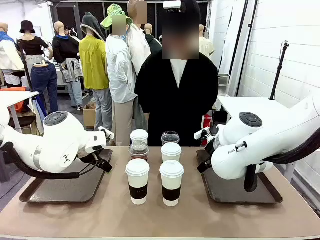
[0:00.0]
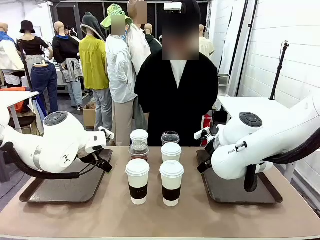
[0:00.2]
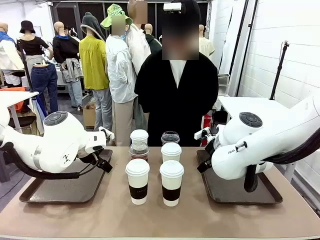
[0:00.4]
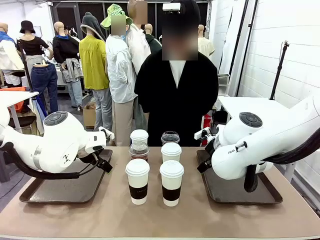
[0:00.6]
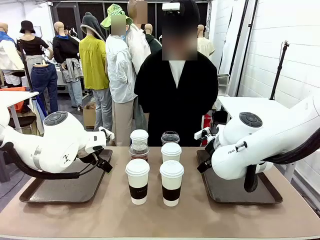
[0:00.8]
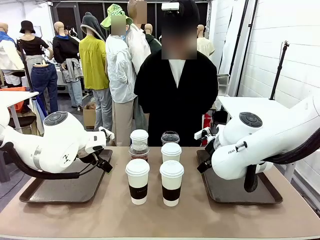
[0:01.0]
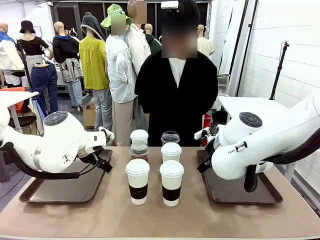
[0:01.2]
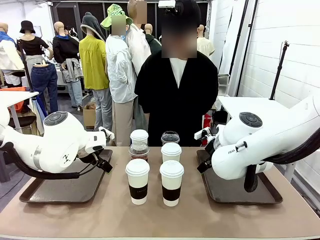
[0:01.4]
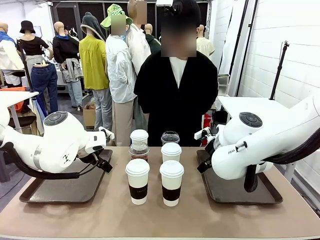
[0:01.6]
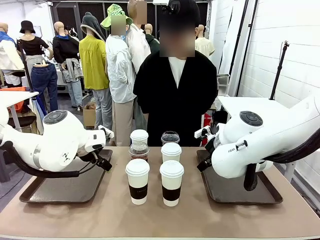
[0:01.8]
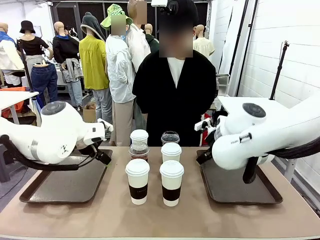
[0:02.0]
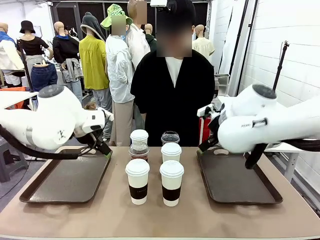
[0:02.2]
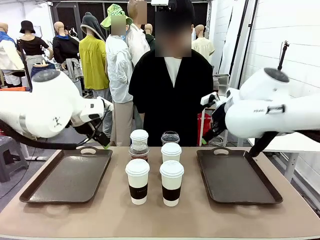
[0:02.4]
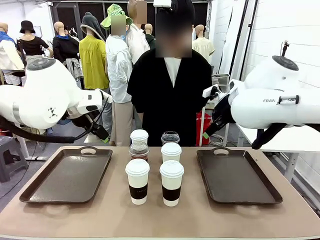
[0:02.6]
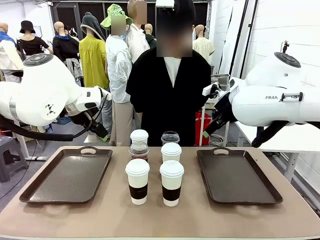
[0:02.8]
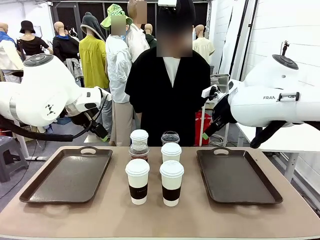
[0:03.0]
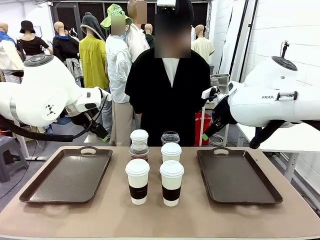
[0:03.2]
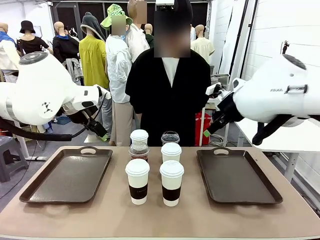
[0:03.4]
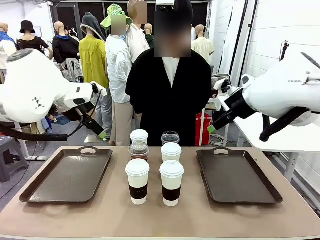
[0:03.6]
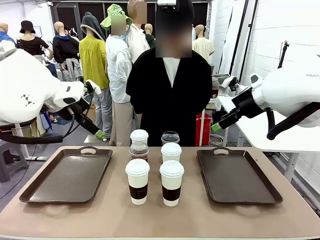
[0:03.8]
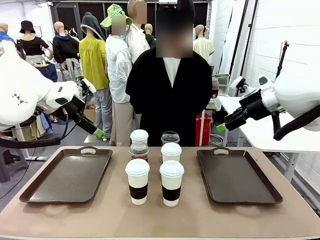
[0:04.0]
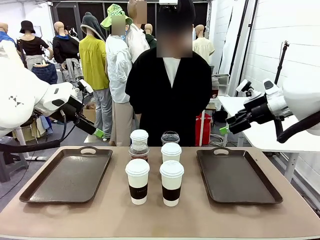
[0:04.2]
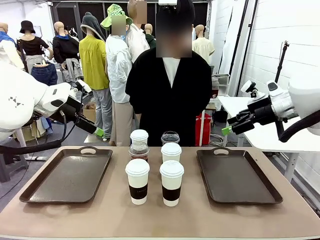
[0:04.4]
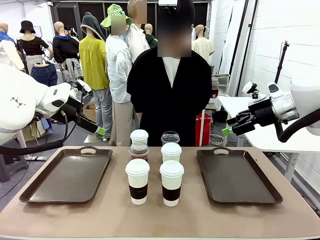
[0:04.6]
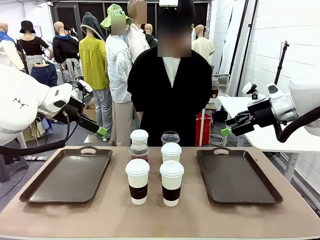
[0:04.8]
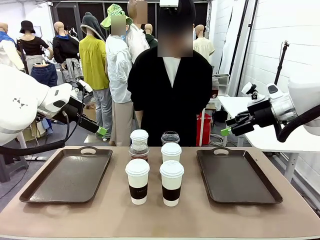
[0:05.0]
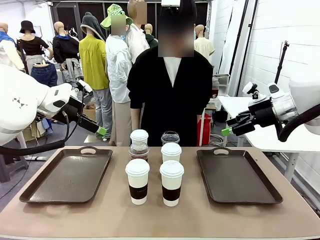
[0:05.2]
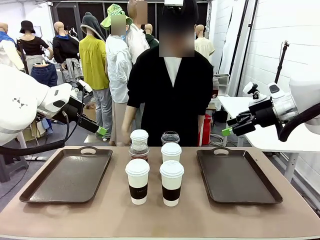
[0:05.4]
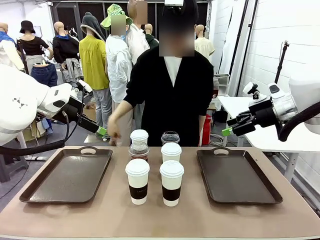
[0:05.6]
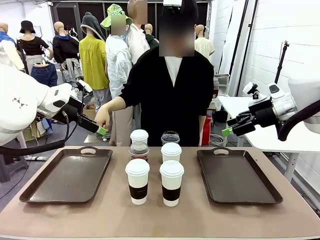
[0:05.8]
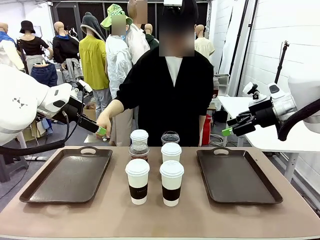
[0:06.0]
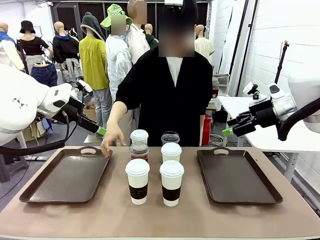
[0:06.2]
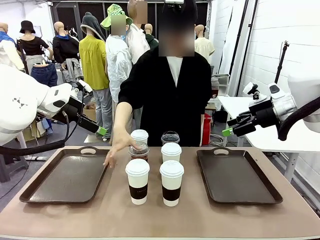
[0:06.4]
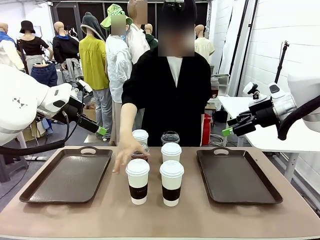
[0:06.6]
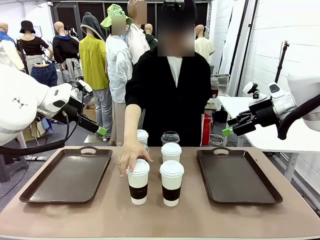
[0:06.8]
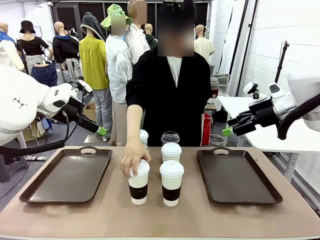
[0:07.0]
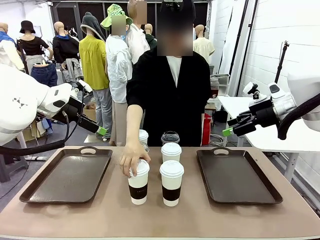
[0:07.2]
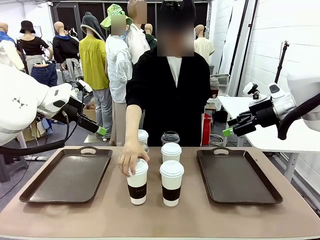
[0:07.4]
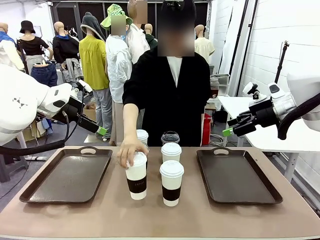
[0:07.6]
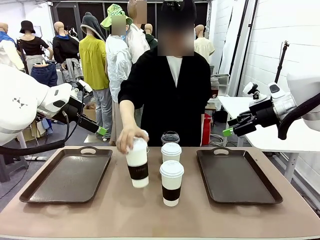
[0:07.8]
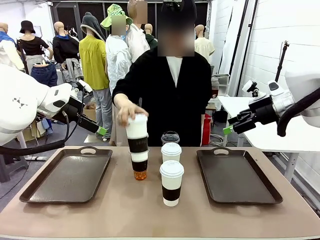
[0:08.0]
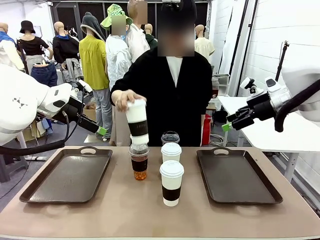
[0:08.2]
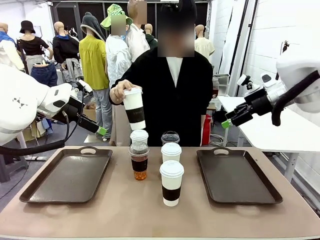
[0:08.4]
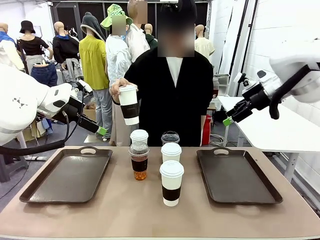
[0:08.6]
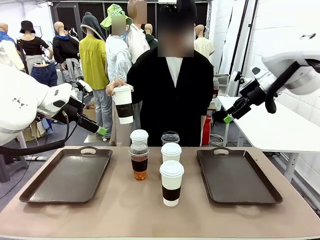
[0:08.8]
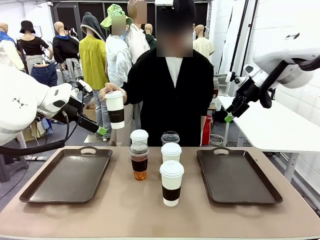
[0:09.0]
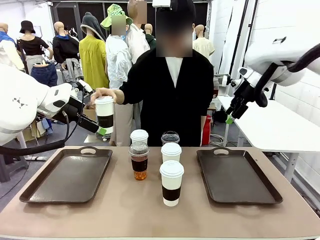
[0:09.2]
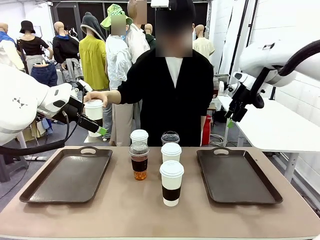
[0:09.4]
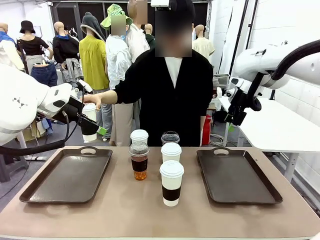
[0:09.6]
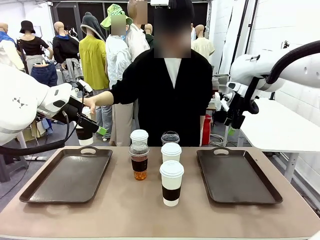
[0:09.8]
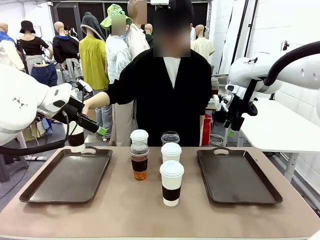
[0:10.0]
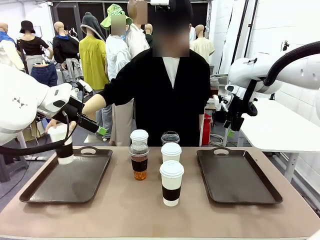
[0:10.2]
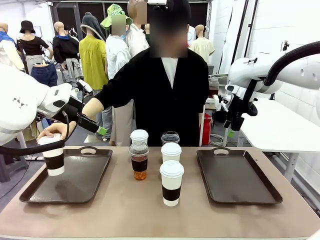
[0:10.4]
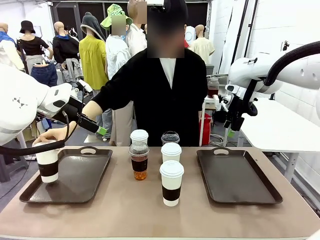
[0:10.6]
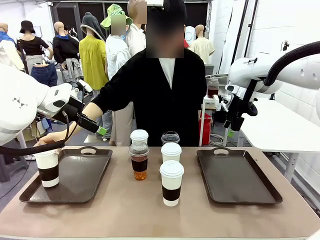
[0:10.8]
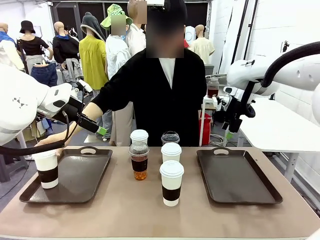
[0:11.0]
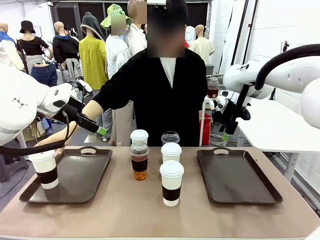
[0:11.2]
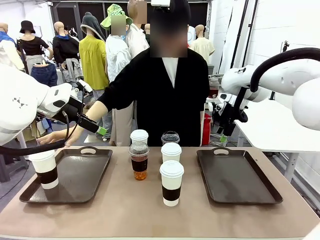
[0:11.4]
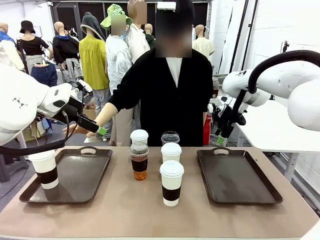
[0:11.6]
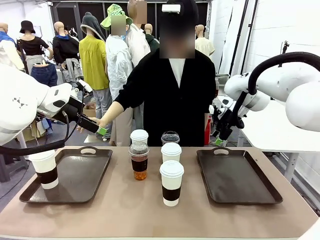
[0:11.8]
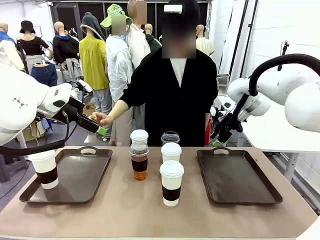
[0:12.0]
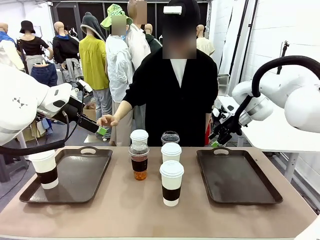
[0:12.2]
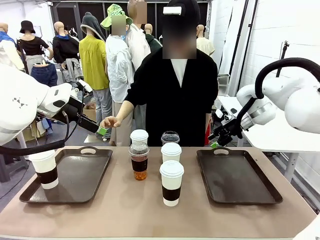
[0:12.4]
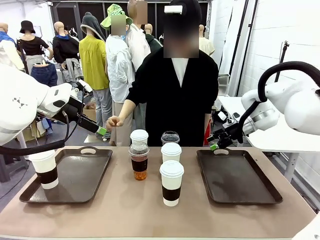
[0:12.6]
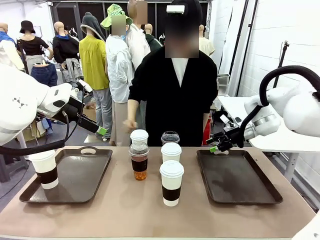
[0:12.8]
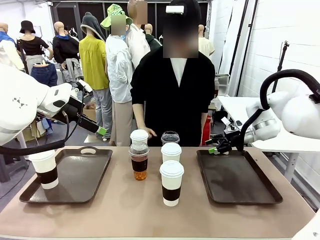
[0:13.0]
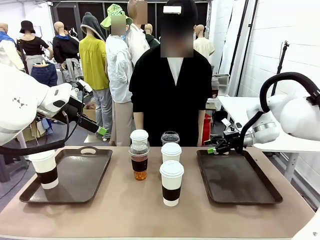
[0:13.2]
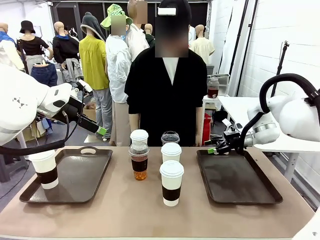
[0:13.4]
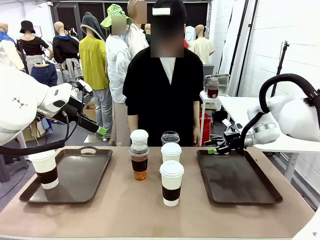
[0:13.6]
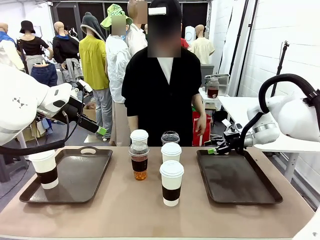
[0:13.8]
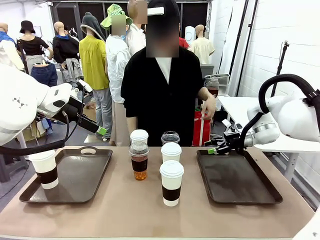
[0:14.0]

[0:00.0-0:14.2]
Task: Distribute the coffee onto the tray.
Robot: Pick up one iced Americano and place it on the right Handle tray.
Person: Pick up a cup of hot Americano and place it on the right tray.
